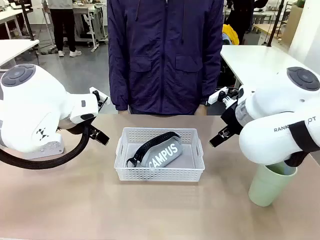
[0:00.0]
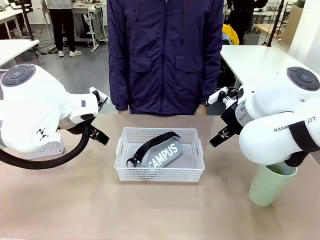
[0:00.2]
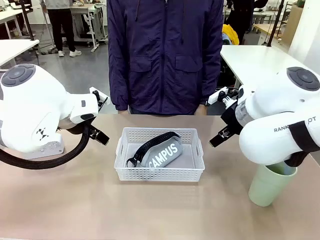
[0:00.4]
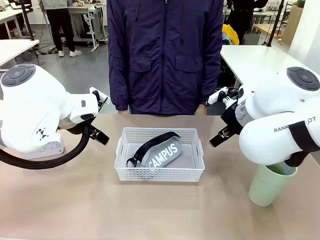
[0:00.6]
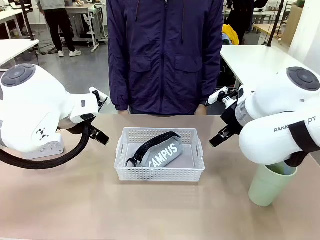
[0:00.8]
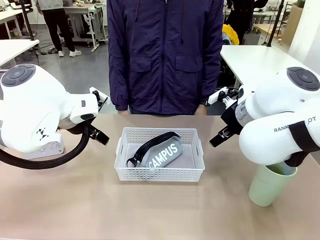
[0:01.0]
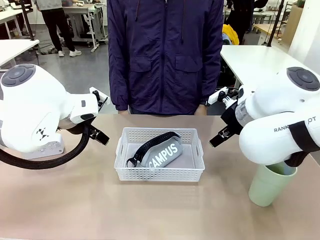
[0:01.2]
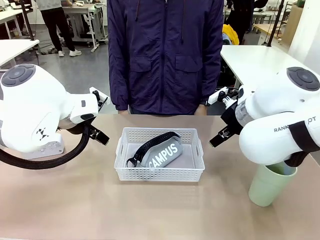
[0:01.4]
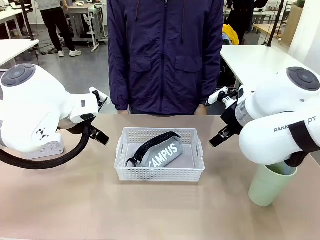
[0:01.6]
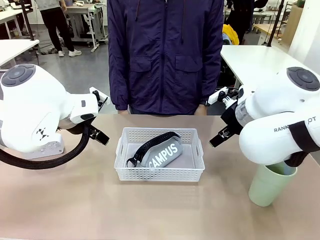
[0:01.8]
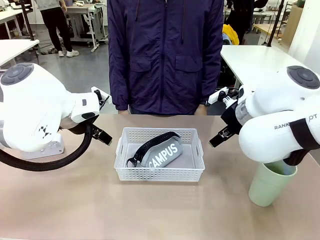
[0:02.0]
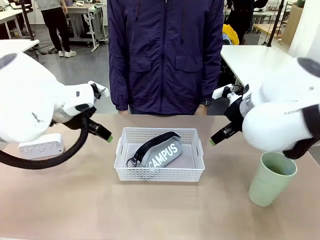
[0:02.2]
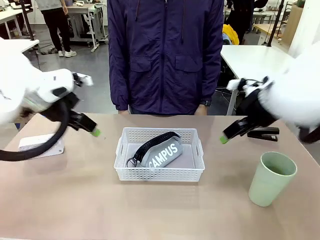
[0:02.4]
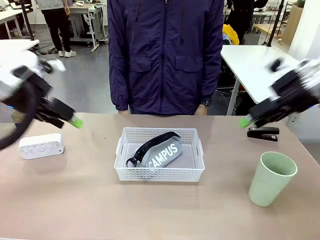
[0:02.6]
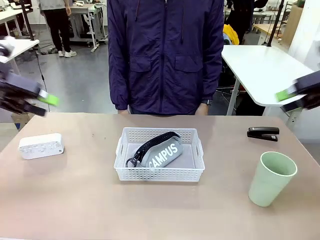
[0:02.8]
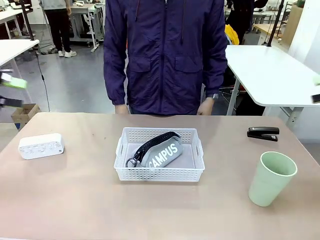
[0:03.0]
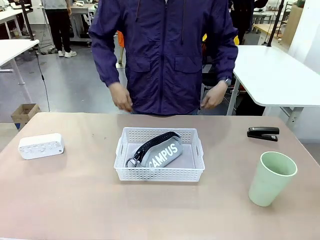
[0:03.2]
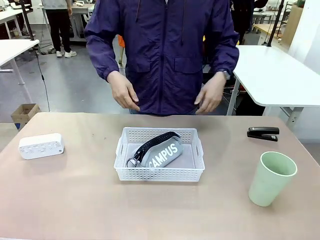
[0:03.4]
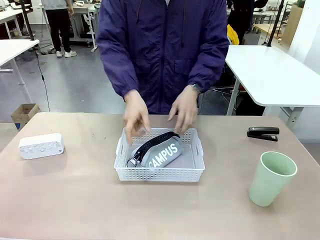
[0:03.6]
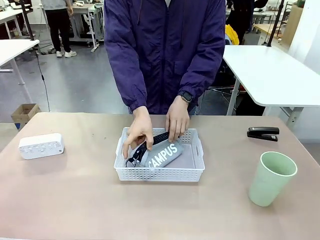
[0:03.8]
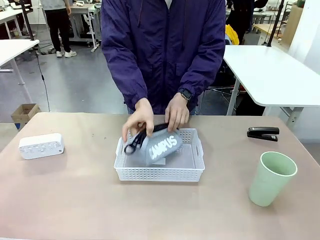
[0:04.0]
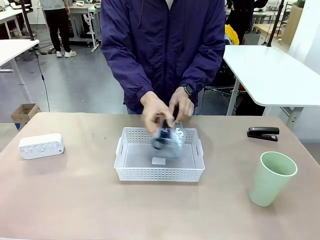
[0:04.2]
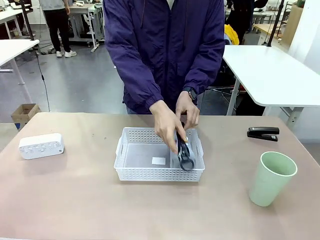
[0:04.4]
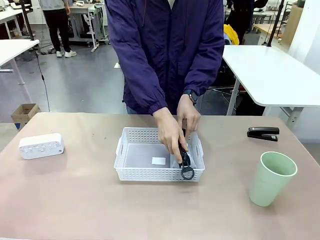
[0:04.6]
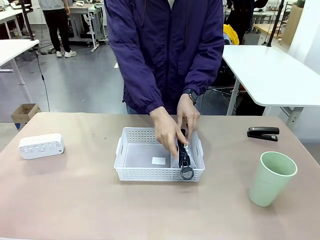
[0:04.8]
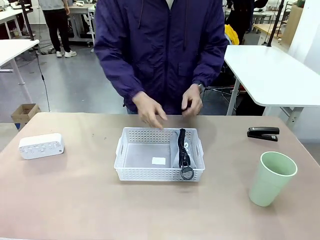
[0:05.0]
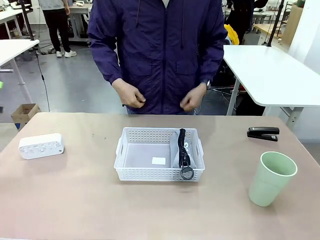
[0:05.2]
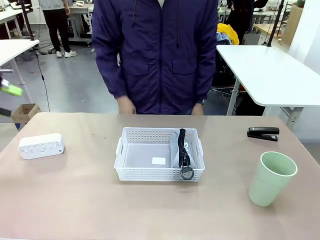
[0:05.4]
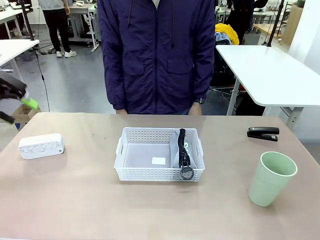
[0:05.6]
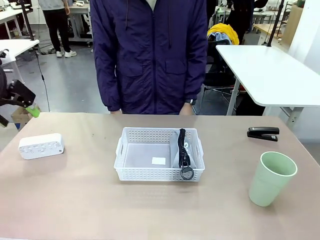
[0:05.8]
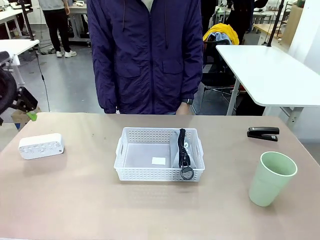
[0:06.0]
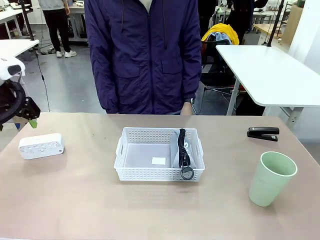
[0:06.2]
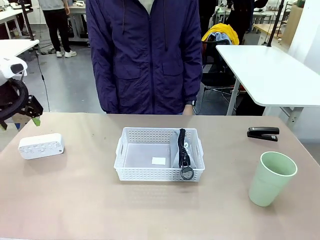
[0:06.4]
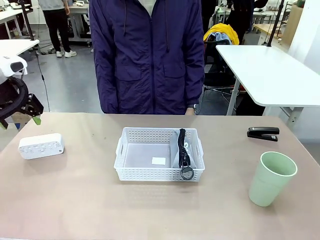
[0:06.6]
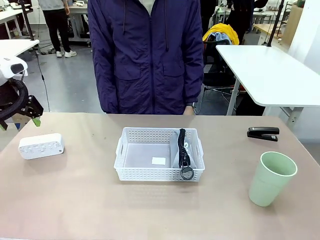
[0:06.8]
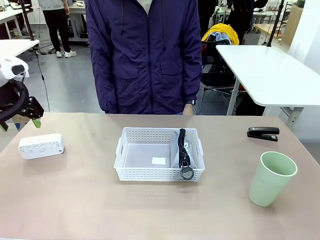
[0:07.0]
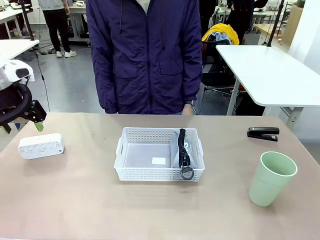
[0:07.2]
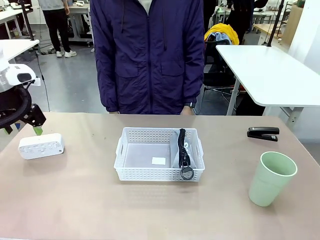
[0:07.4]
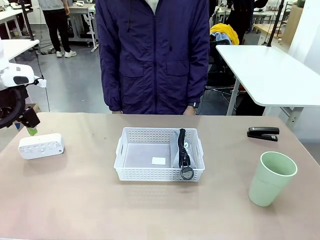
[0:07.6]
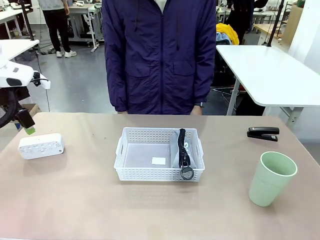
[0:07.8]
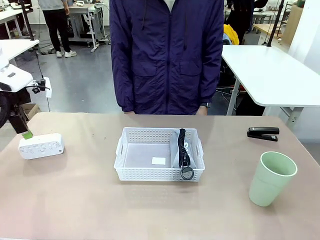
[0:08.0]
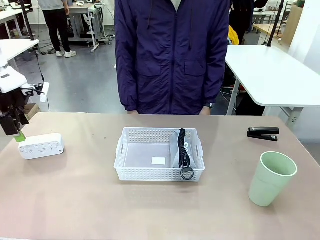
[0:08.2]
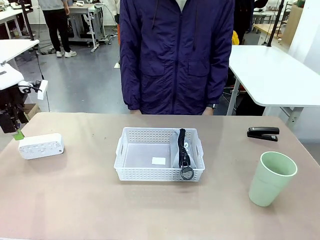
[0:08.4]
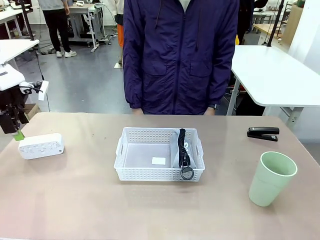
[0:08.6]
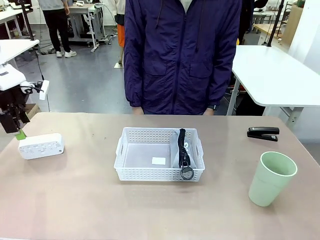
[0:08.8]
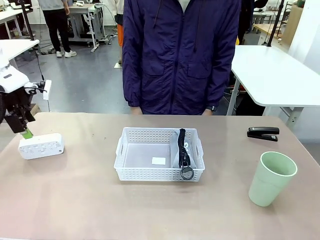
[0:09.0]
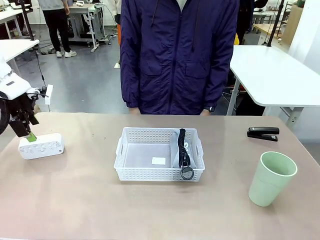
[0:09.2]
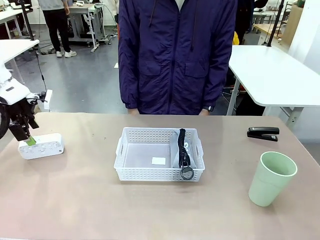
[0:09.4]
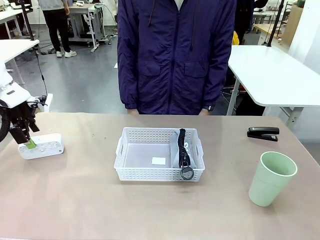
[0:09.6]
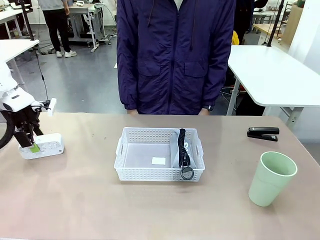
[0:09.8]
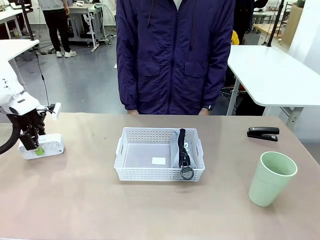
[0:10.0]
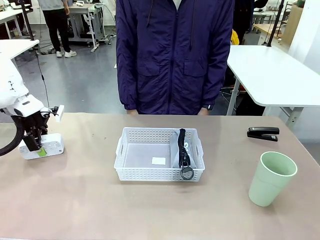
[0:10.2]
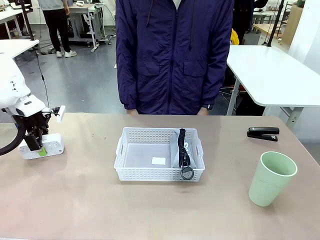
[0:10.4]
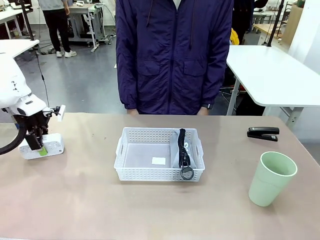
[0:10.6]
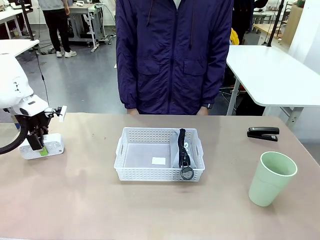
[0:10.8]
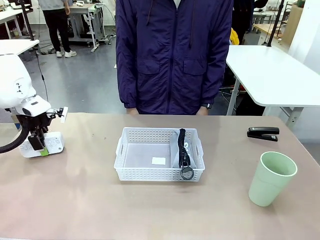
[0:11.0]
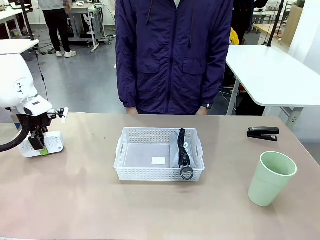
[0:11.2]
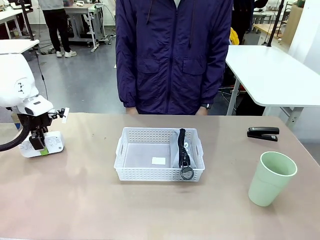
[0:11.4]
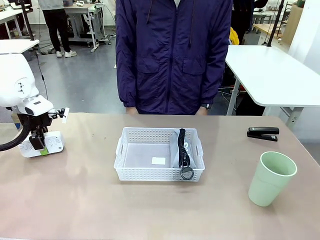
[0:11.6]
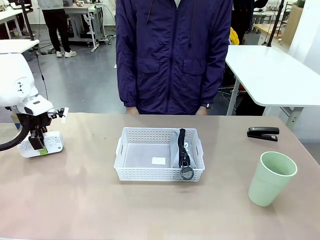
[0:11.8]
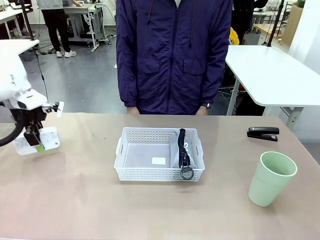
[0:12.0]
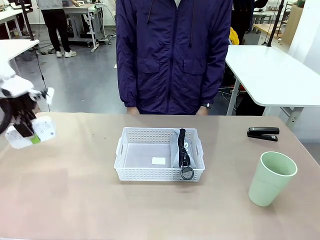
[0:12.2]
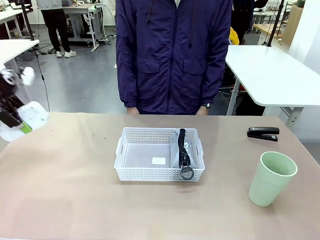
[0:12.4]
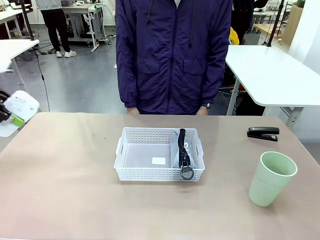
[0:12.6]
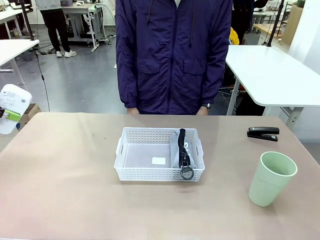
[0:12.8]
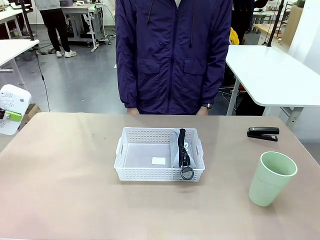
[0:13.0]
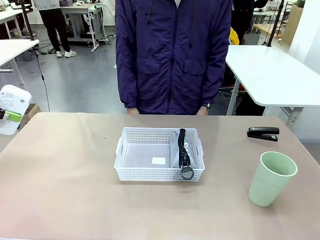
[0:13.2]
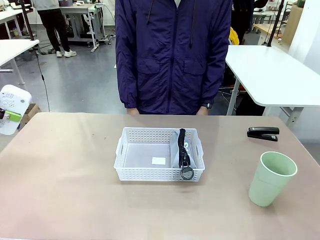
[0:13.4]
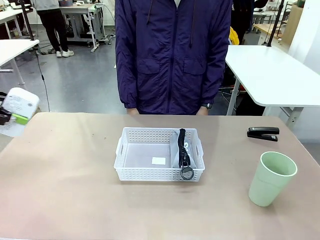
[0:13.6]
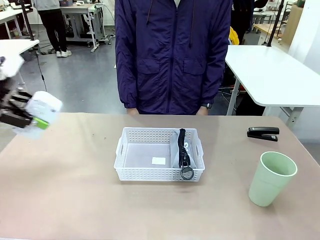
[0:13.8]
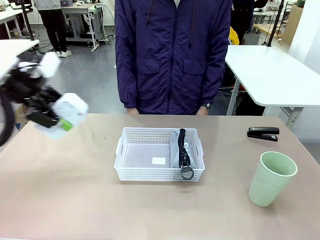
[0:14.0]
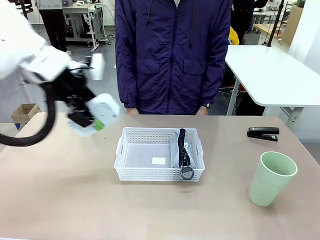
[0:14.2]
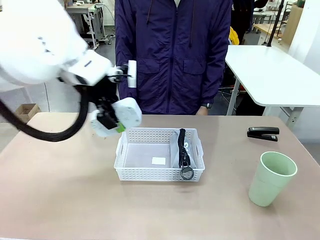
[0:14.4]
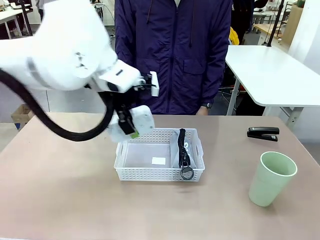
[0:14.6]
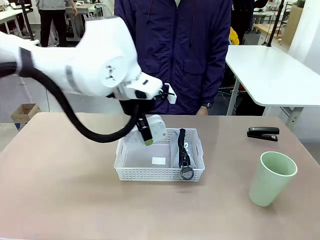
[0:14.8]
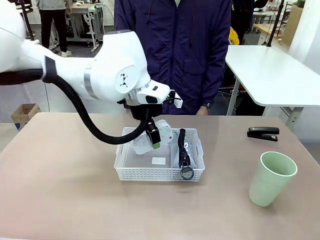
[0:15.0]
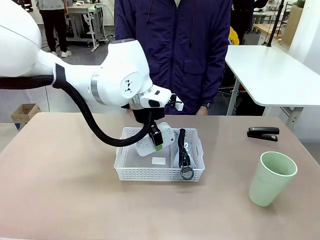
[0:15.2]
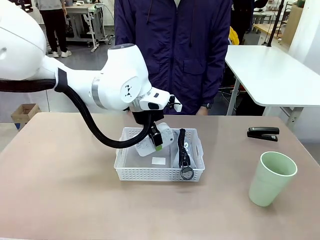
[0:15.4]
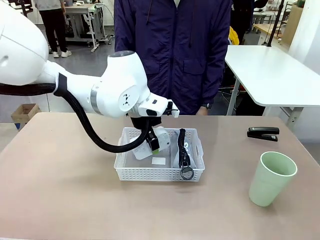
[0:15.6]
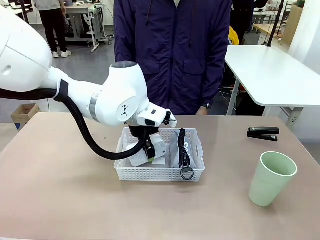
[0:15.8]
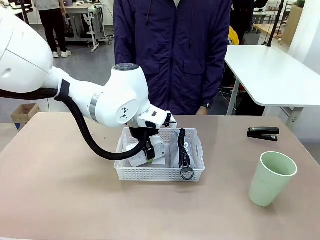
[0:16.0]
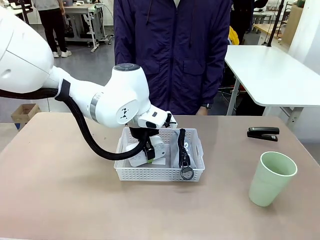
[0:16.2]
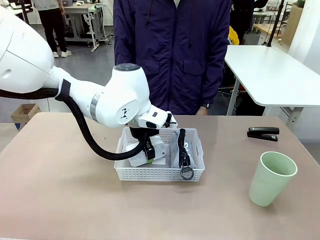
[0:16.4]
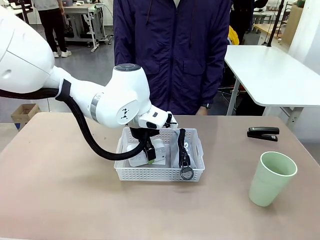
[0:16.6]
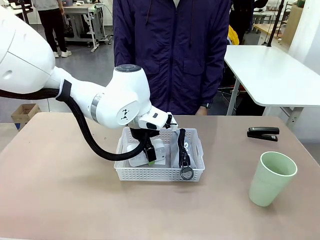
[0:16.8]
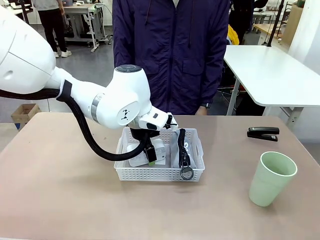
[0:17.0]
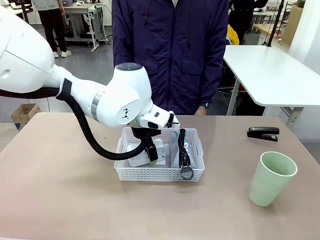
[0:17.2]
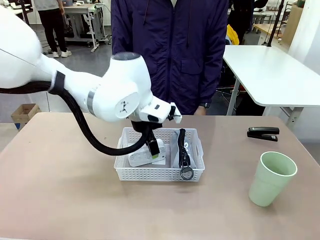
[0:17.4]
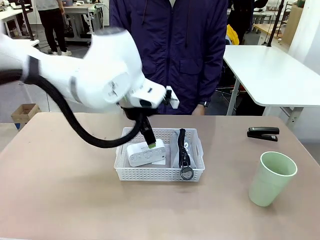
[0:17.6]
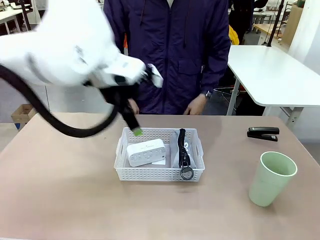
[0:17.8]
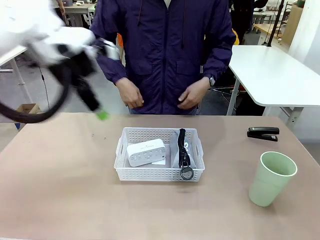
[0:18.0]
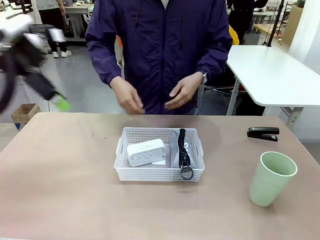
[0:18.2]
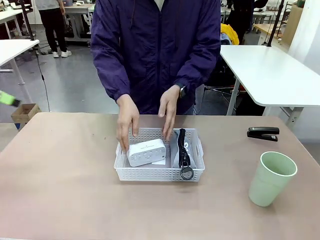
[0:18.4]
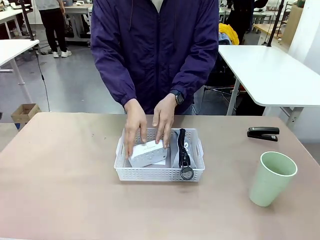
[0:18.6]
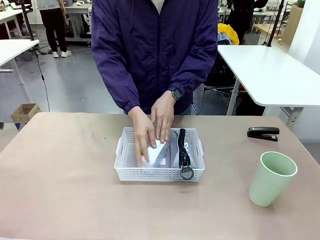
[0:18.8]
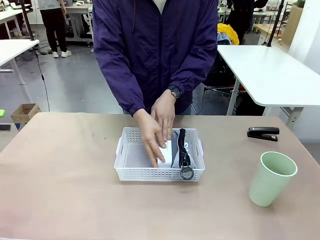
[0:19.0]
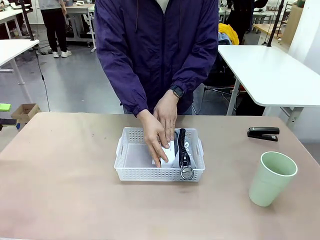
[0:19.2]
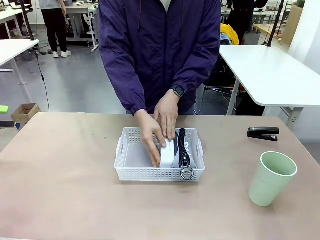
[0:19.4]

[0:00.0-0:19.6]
Task: Efficiently arrange items inside the basket to fit them all.
Robot: Pick up the Digital clock and place it inside the Organizing basket.
Person: Repositions the pencil case. Repositions the digital clock.
